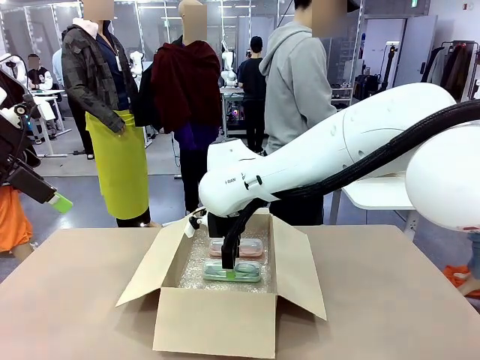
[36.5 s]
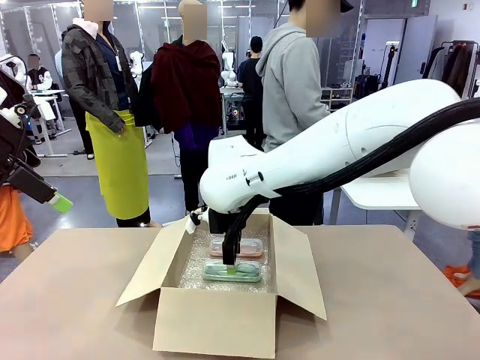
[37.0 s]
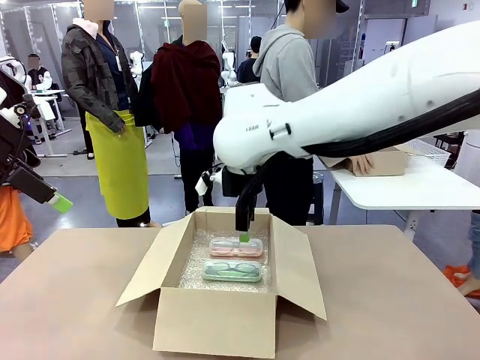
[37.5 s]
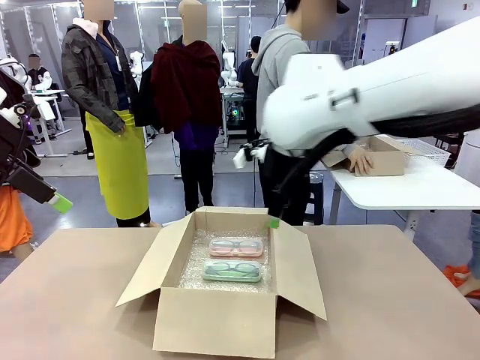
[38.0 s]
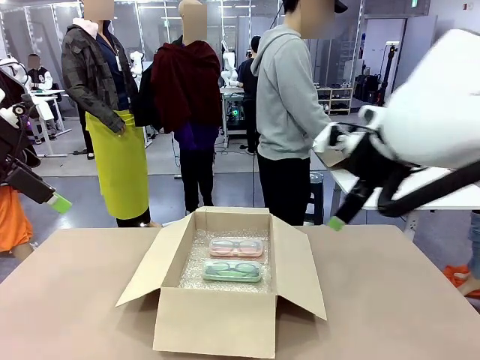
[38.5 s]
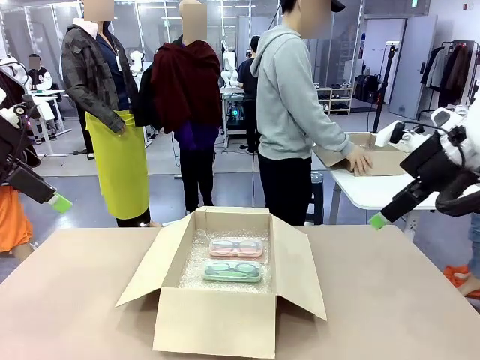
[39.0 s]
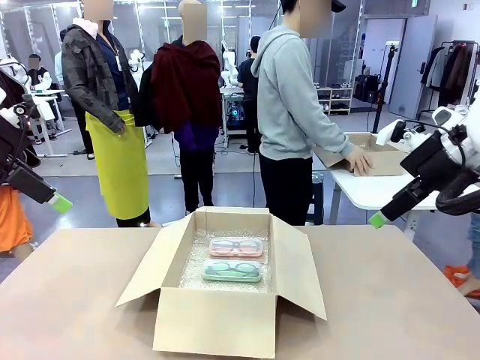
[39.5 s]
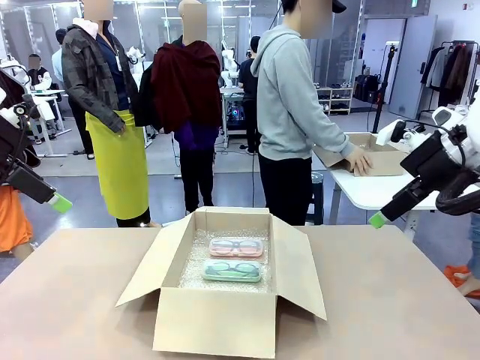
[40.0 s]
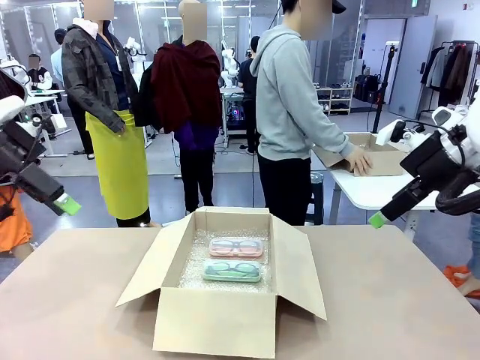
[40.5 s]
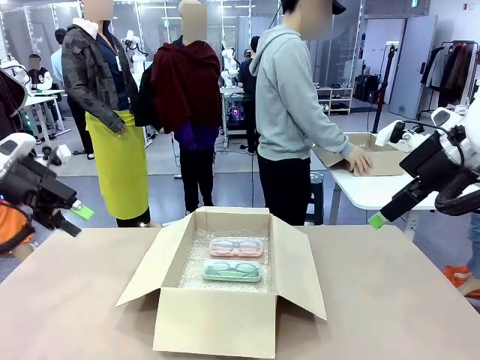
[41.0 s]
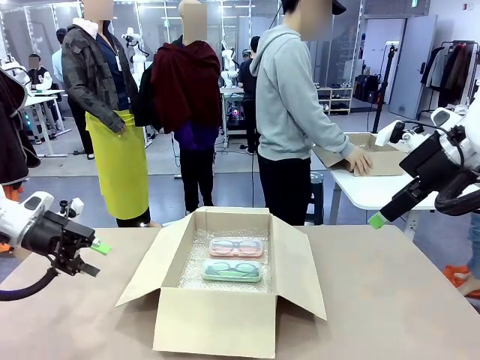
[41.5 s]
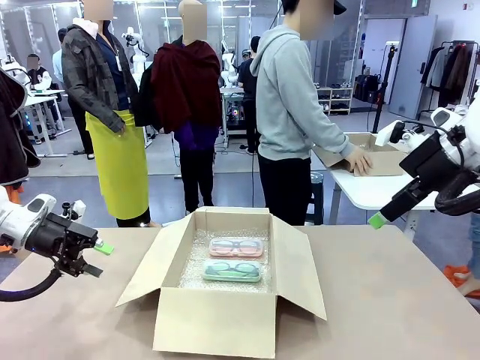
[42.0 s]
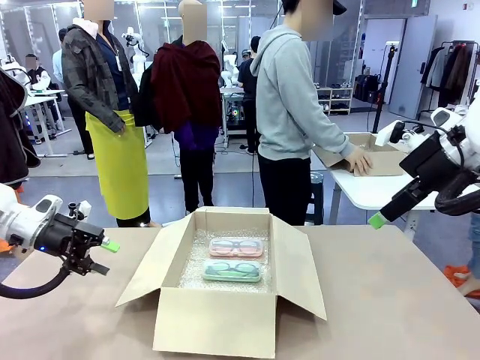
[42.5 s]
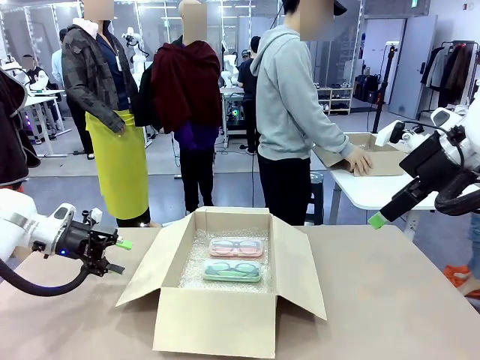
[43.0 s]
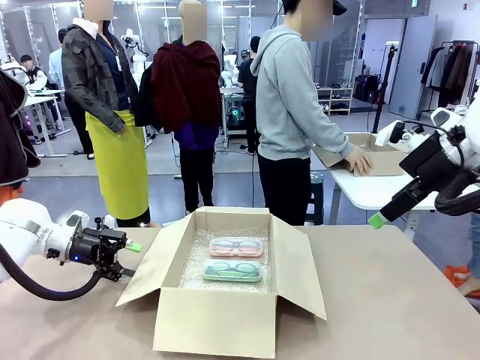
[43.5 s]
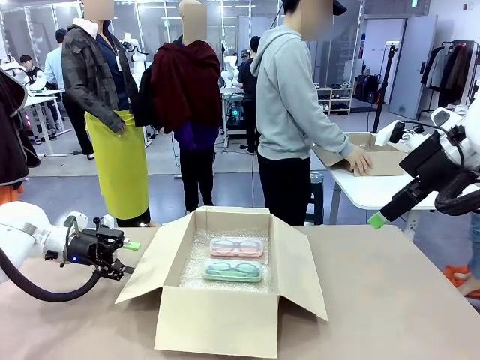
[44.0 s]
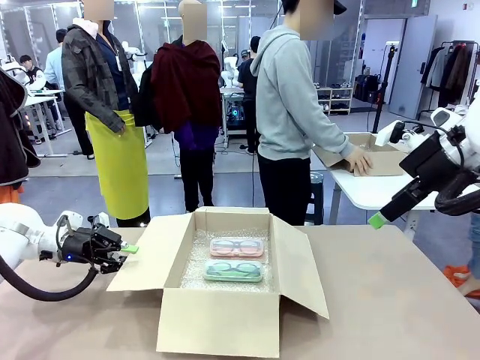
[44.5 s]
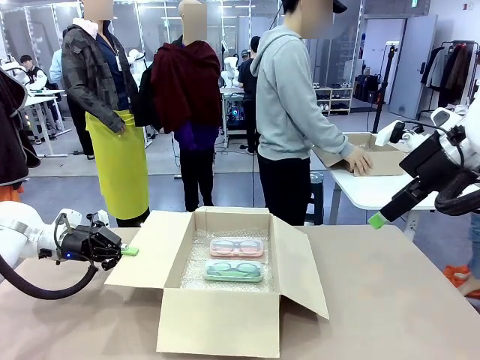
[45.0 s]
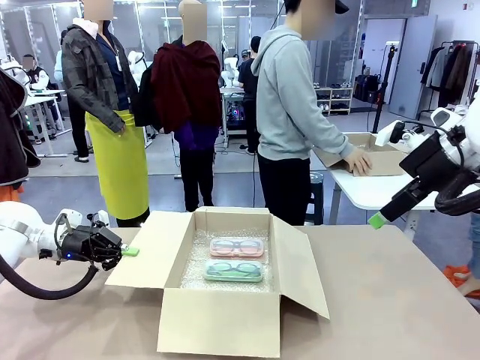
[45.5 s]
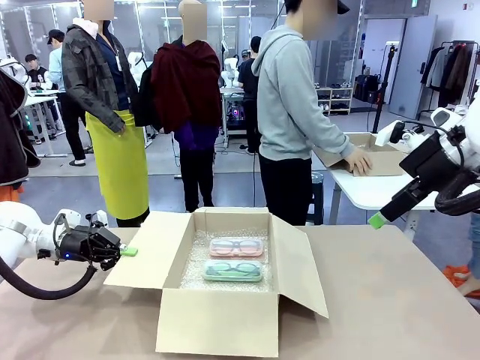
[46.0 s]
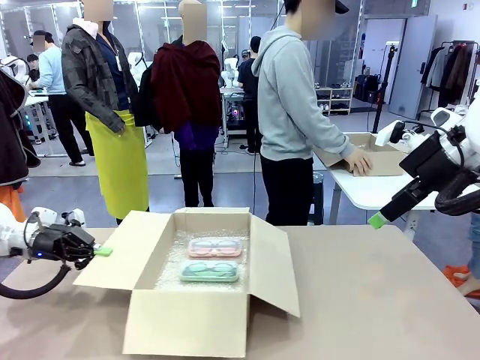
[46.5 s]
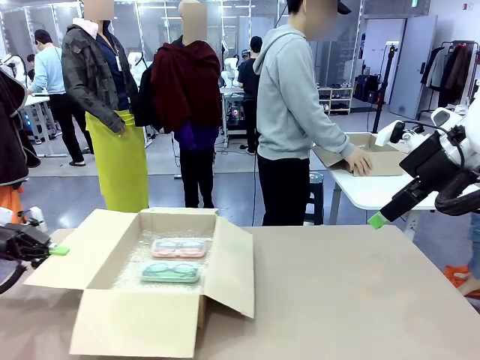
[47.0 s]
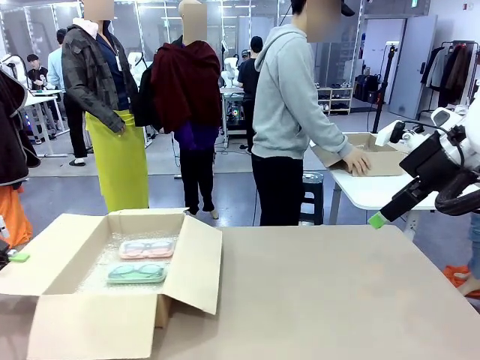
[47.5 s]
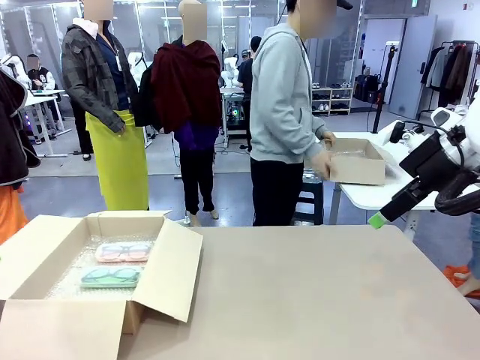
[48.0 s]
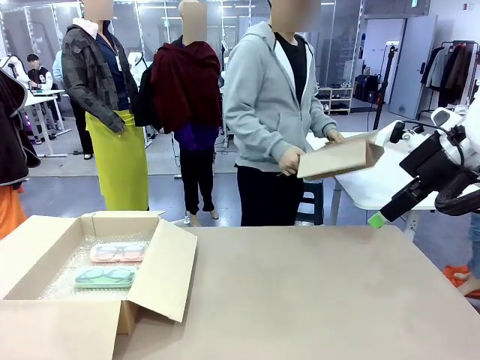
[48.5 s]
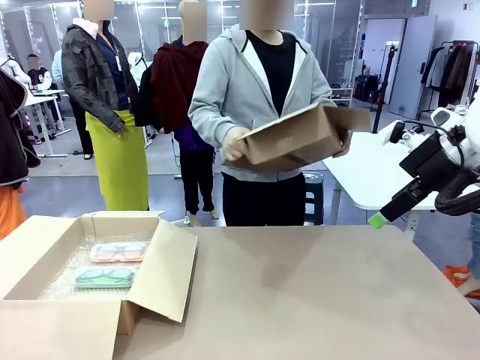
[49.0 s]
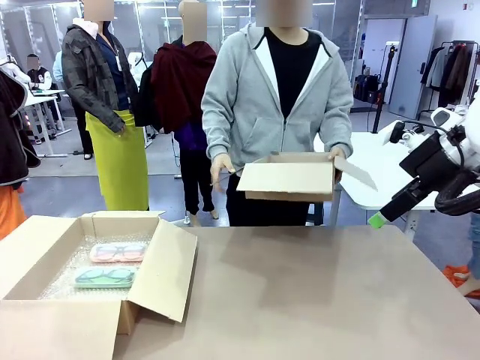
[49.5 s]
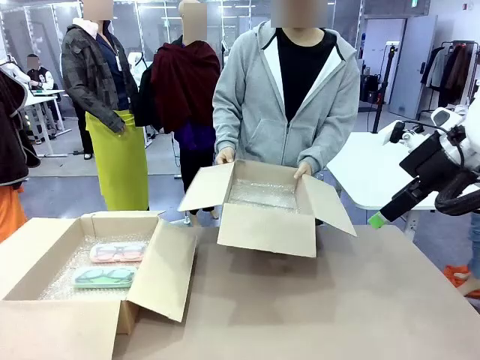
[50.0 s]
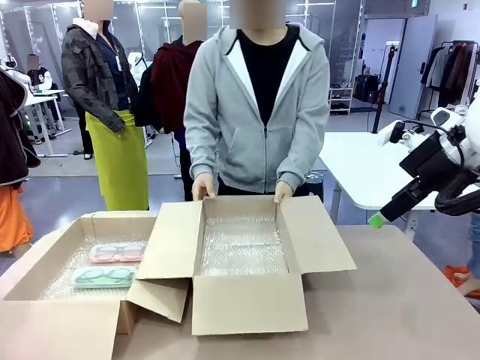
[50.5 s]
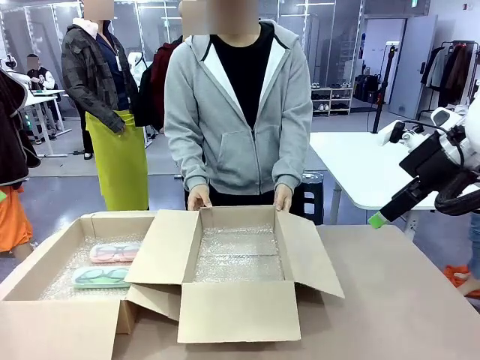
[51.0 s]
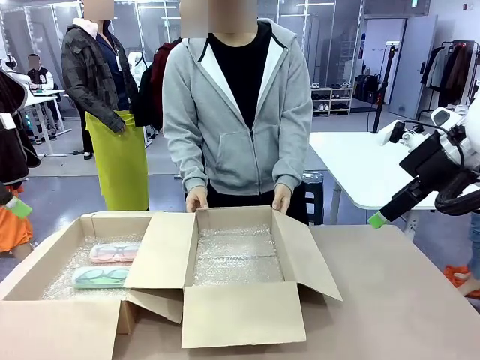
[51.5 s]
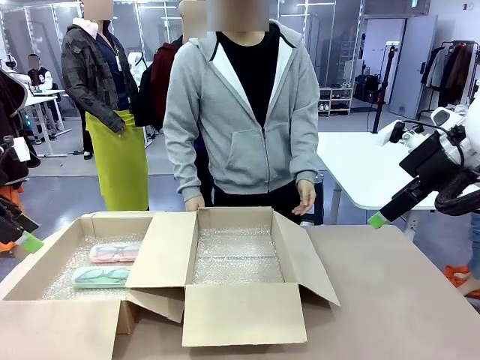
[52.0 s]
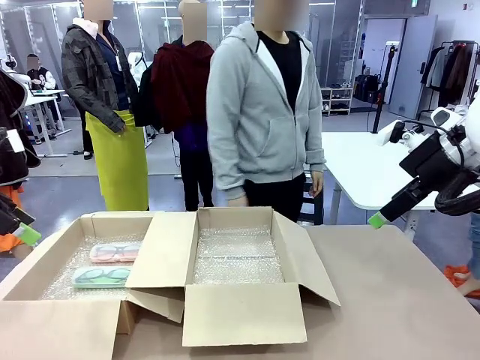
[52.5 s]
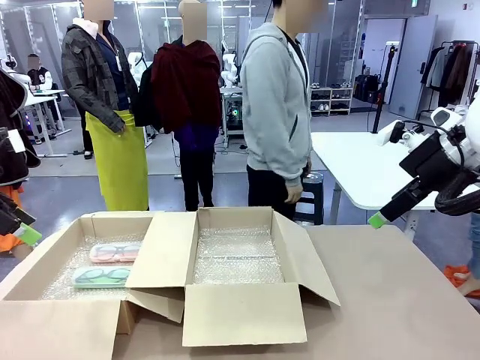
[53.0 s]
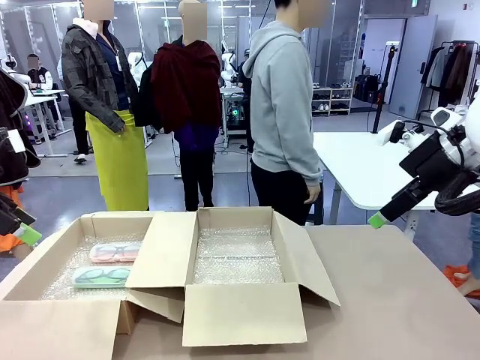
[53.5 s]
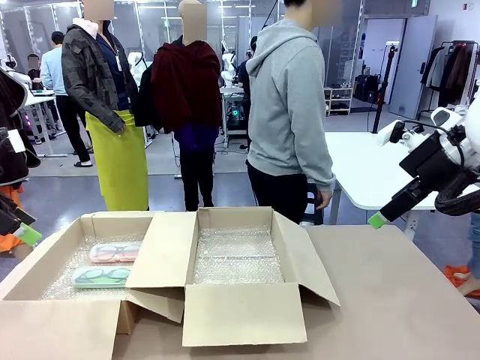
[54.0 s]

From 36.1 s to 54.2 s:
Task: Pack the glasses set securely to prepare it for shipping.
Robot: Position the Package Box on the left side of the table.
Person: Position the empty Package Box in the middle of the robot's table.

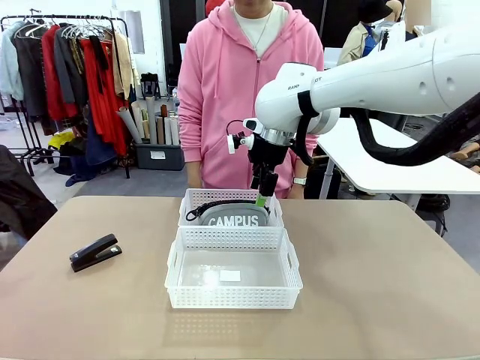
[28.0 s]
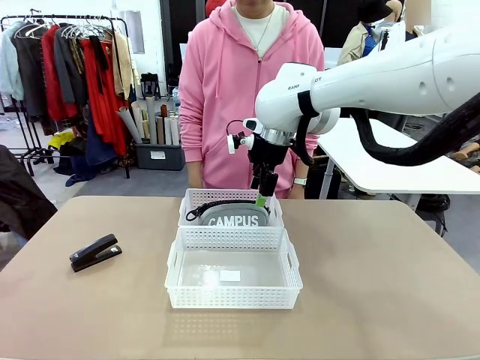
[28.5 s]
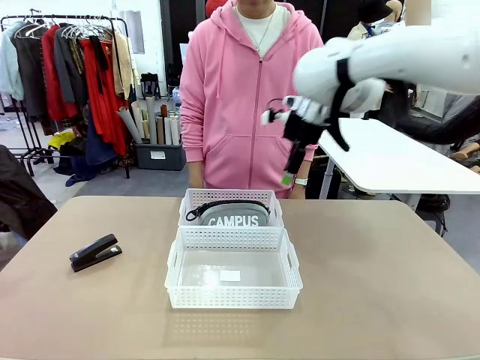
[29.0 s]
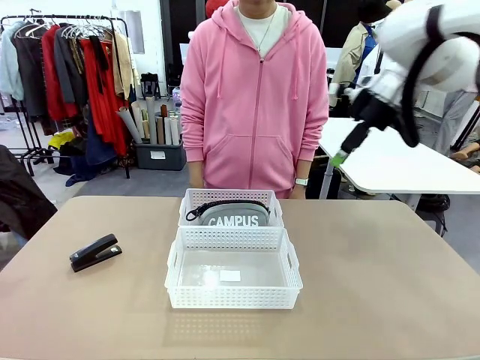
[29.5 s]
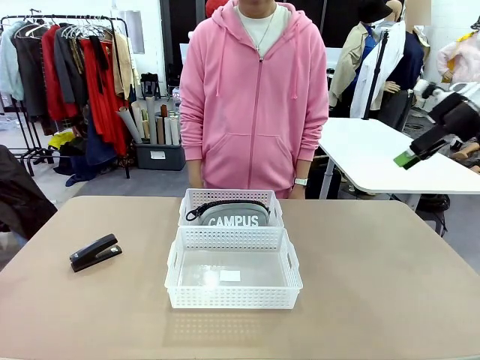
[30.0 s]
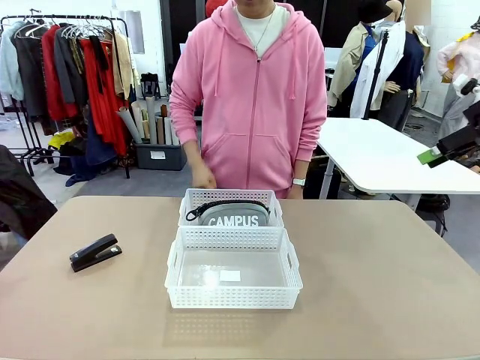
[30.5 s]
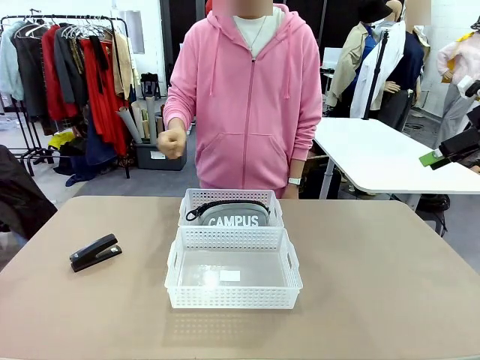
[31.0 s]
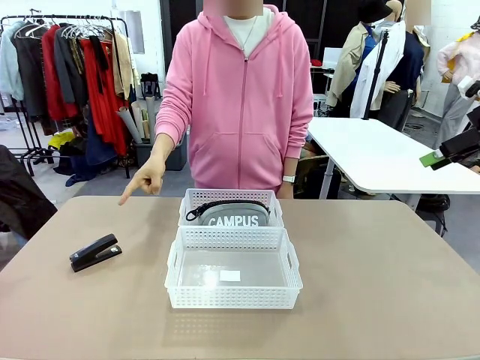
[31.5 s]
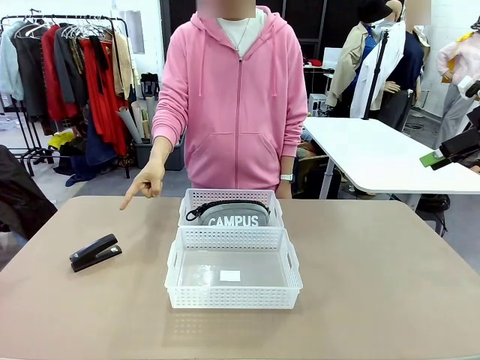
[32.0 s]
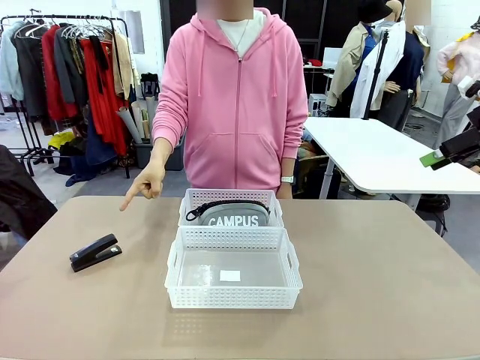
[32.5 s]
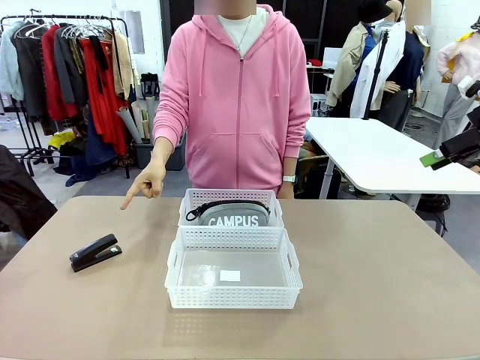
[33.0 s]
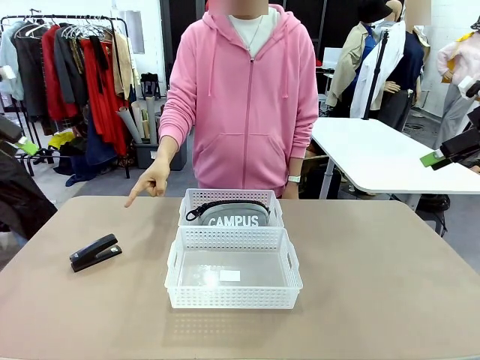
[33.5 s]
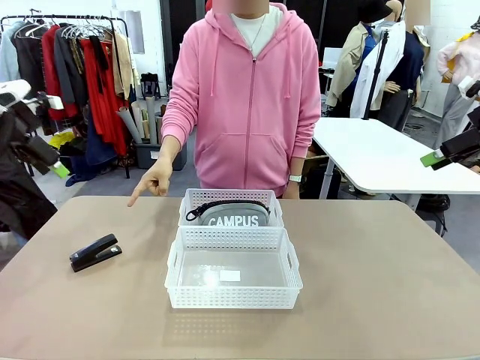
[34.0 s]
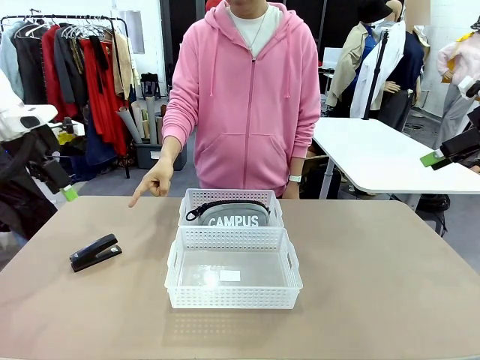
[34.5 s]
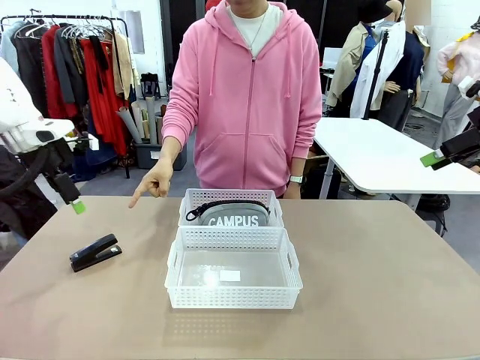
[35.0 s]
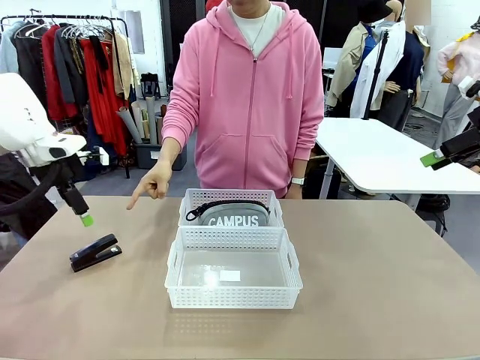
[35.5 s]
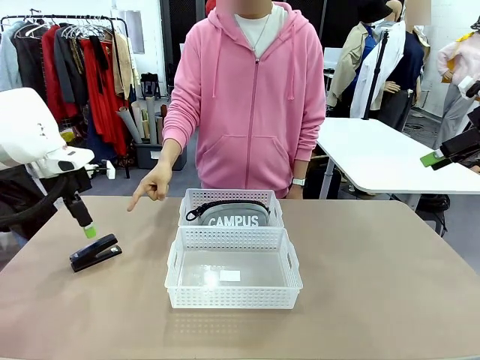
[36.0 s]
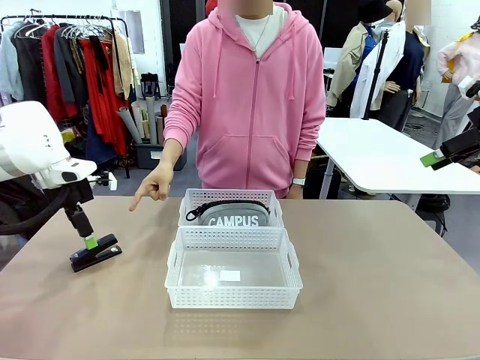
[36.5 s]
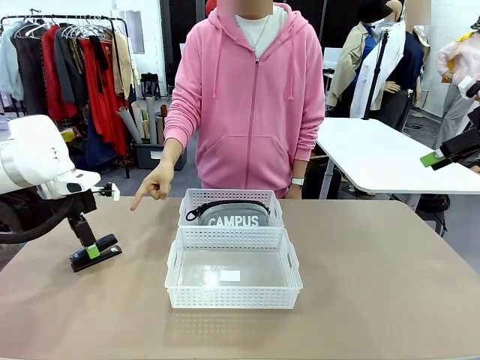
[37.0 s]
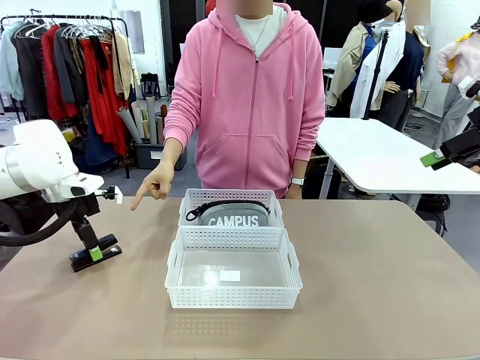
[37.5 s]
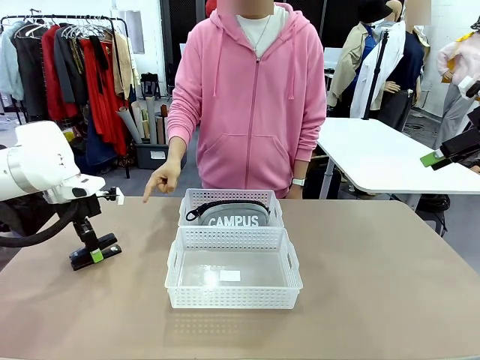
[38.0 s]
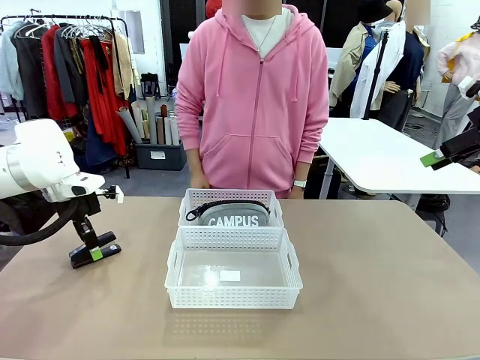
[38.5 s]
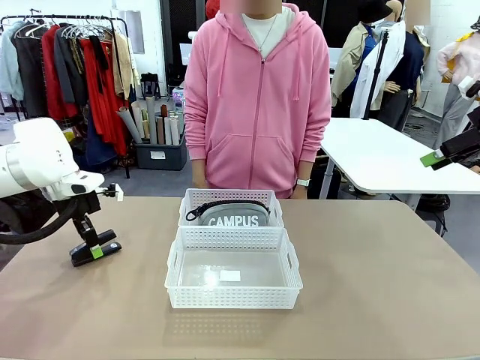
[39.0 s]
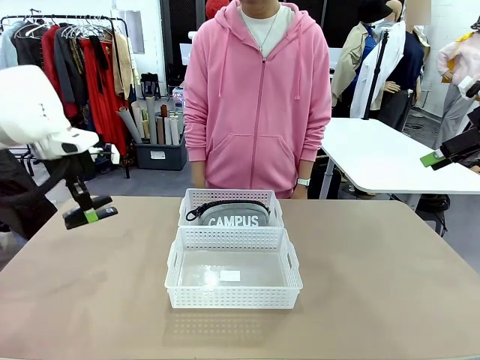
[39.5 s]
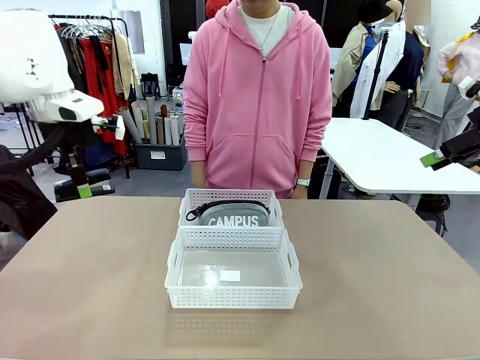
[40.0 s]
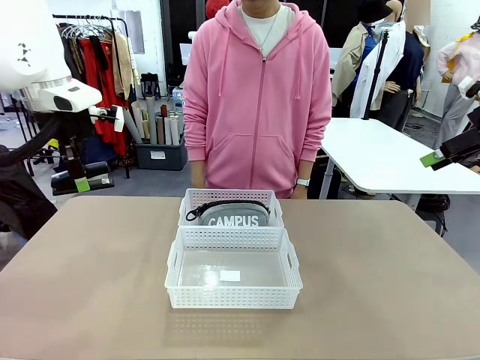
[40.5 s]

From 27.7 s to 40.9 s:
Task: Distribute items into two baskets.
Robot: Pick up the Stapler that the person points to.
